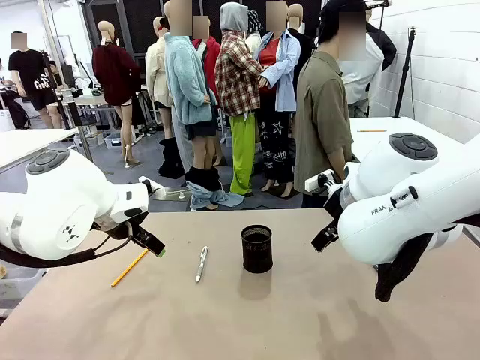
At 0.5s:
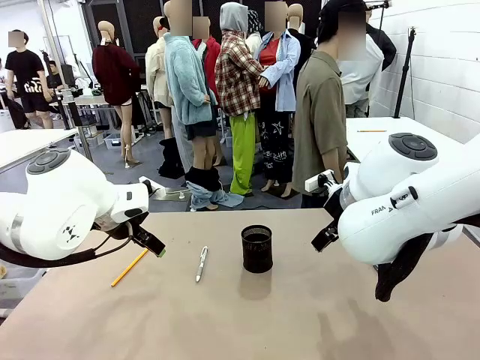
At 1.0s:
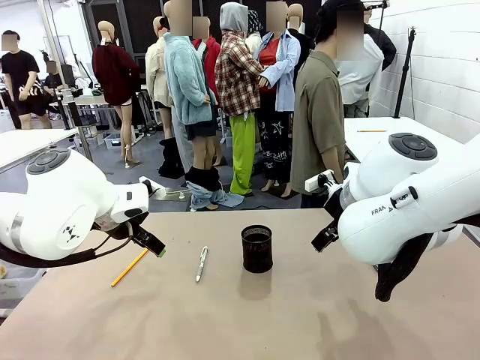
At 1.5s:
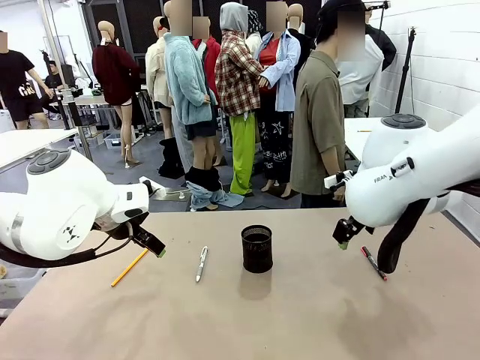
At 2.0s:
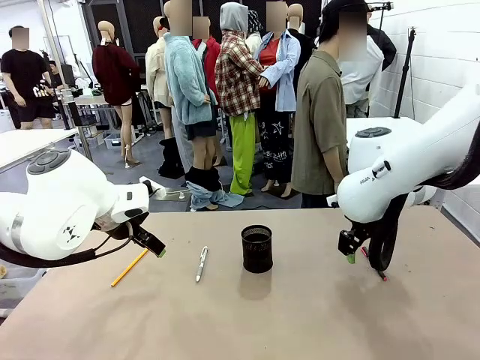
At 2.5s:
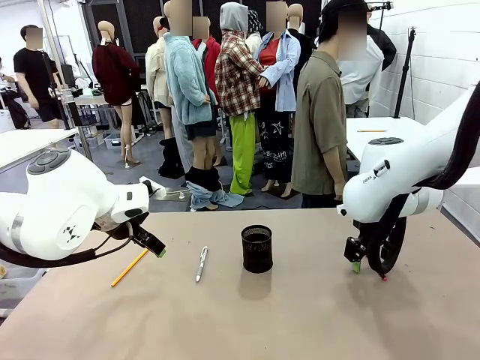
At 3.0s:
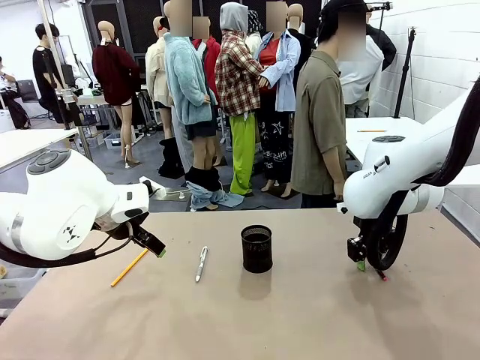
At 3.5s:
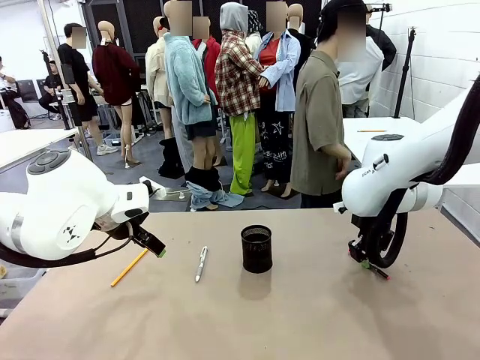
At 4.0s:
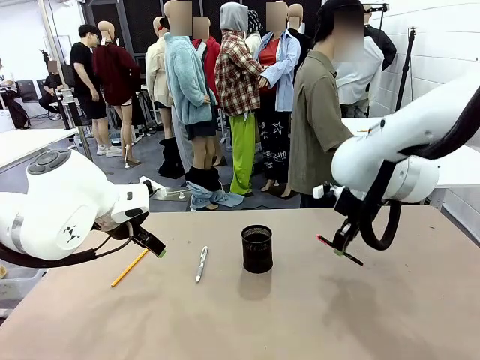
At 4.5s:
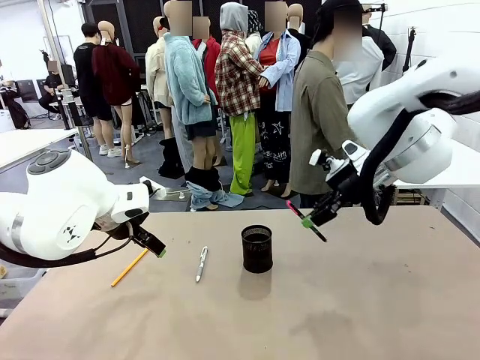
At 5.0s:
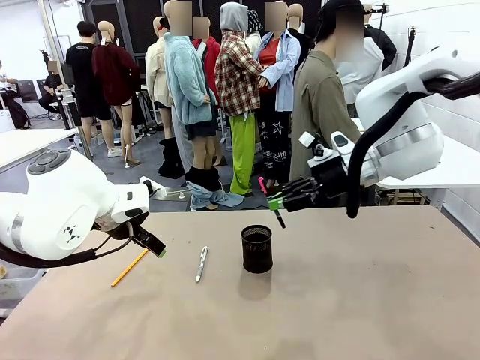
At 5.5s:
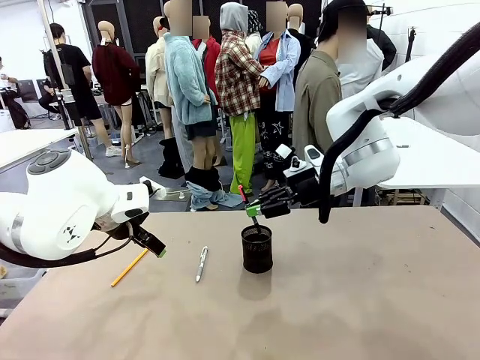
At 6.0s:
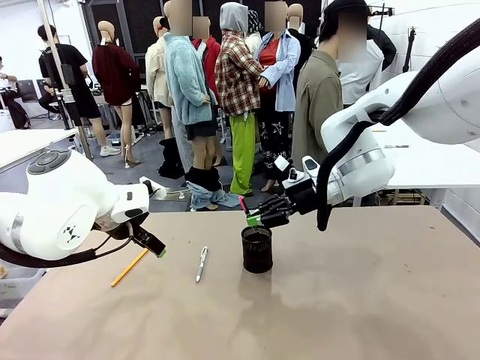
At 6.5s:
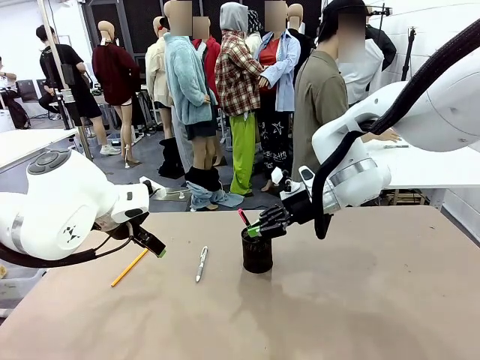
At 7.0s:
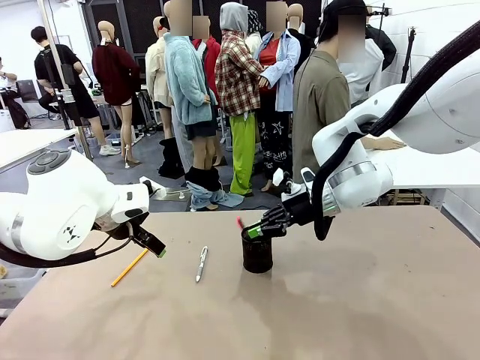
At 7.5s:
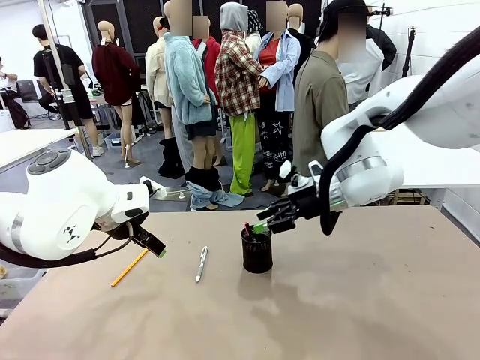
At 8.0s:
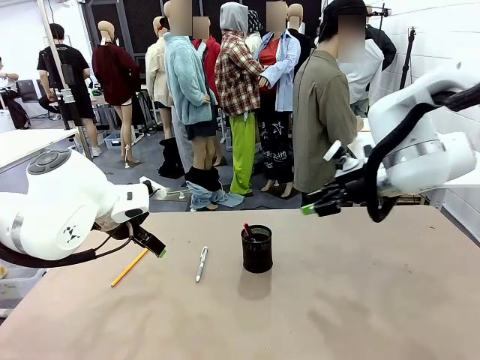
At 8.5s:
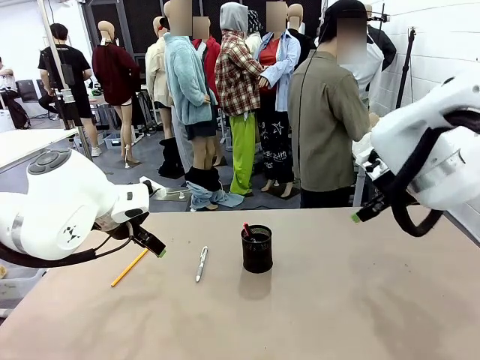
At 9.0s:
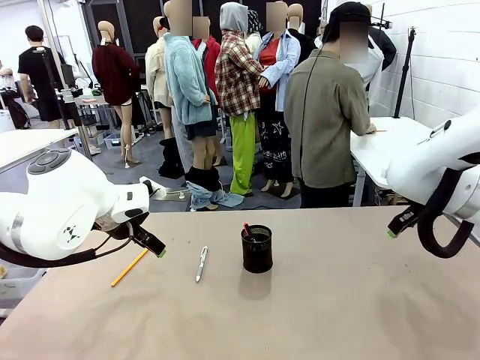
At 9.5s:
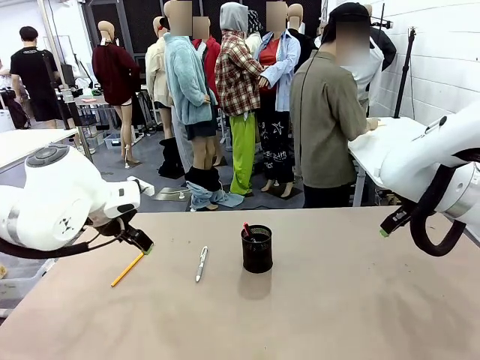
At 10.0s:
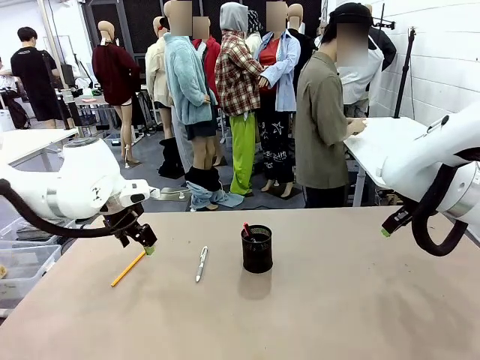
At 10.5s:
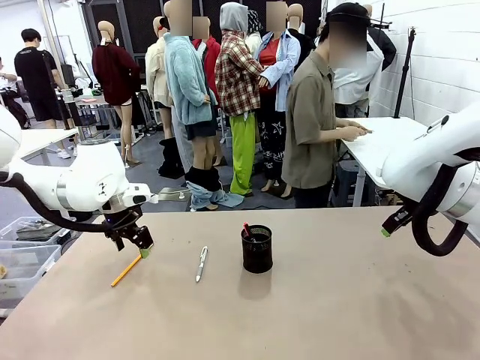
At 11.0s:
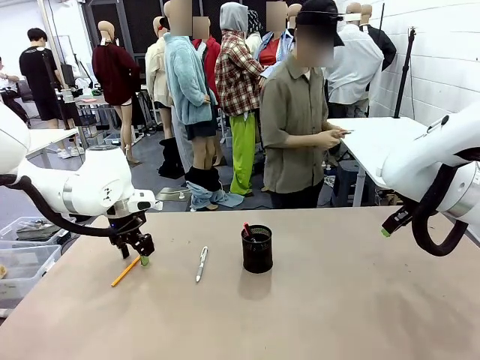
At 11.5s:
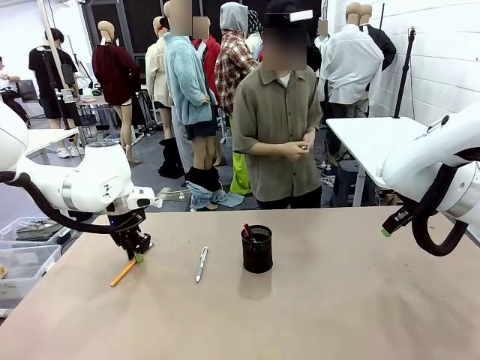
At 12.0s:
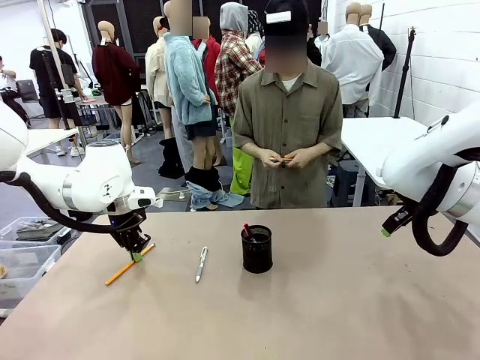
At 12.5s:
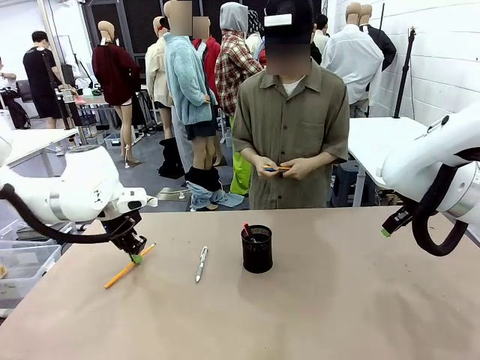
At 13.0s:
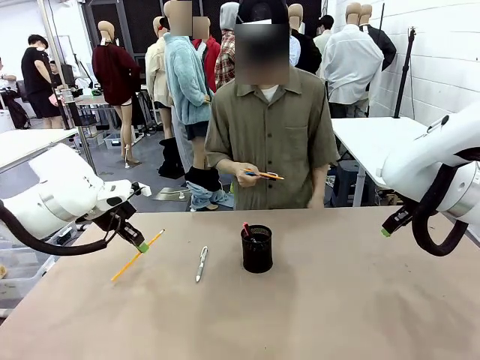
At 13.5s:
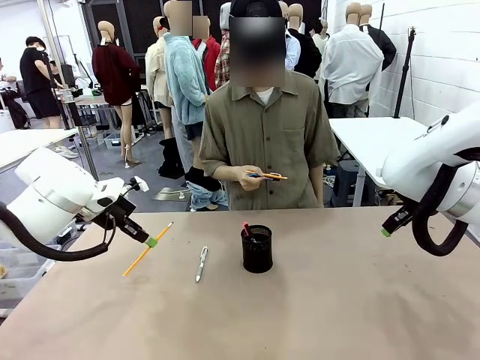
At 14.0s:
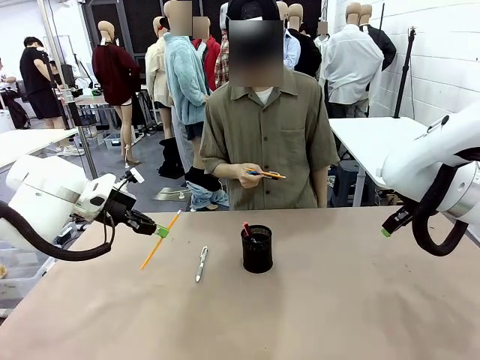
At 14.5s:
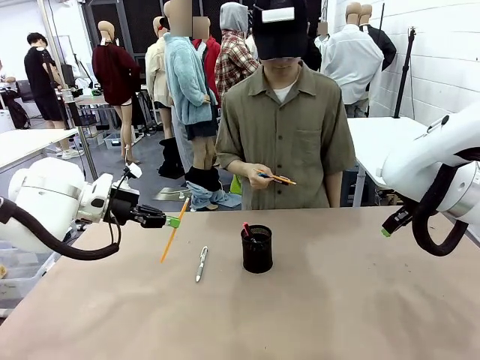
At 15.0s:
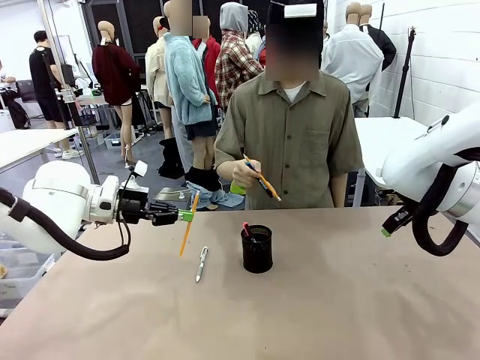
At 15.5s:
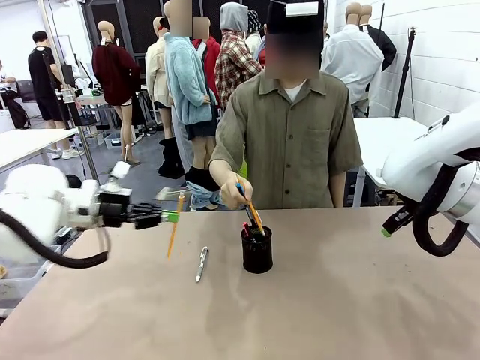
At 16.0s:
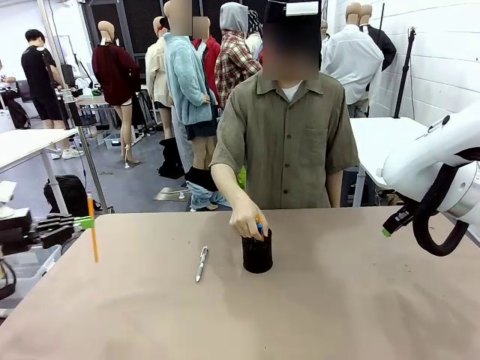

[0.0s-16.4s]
Task: Place the pens into the pen holder.
Robot: Pick up a writing instrument from the table and place it into the Pen holder.
Person: Pick up all writing instruments from the Human table.

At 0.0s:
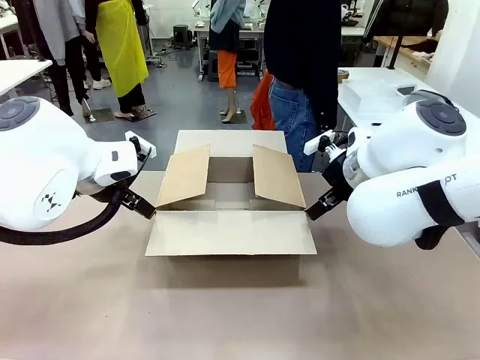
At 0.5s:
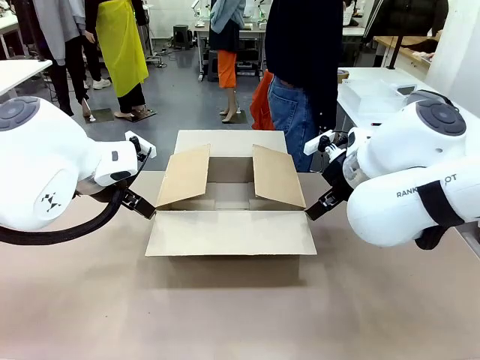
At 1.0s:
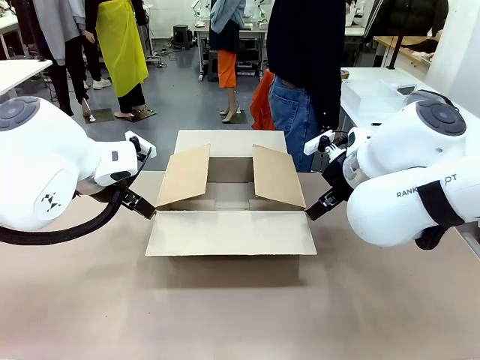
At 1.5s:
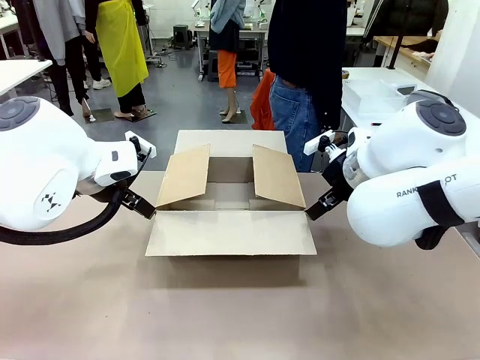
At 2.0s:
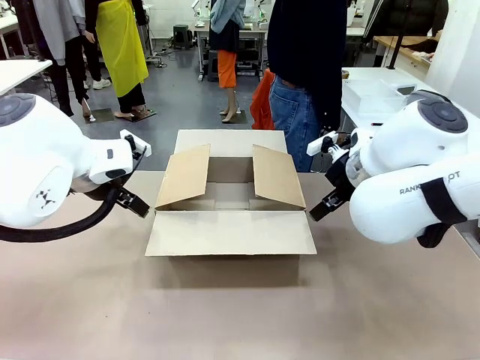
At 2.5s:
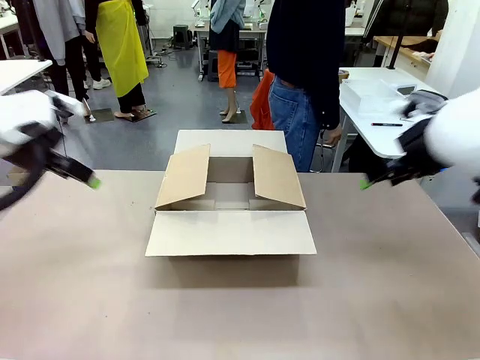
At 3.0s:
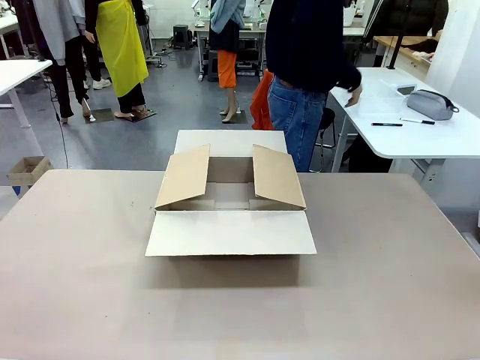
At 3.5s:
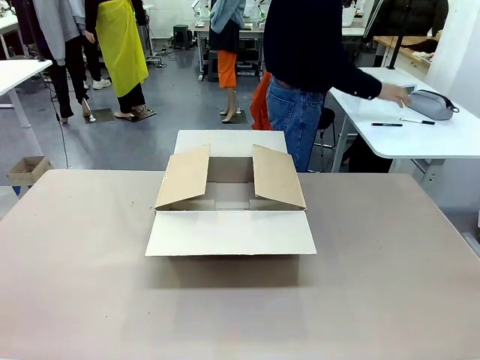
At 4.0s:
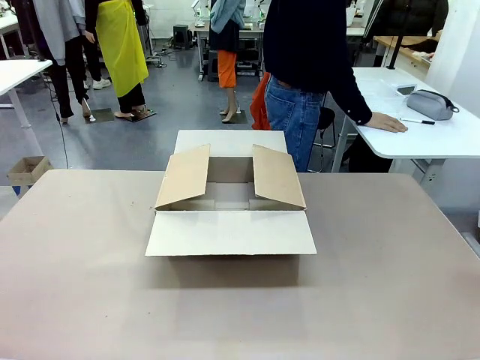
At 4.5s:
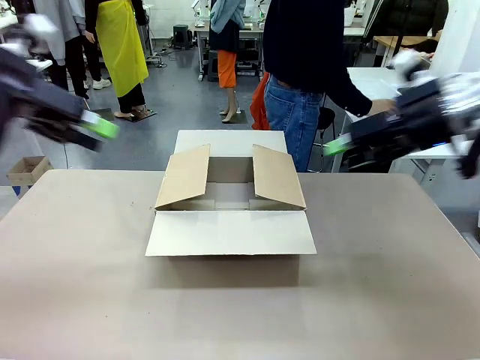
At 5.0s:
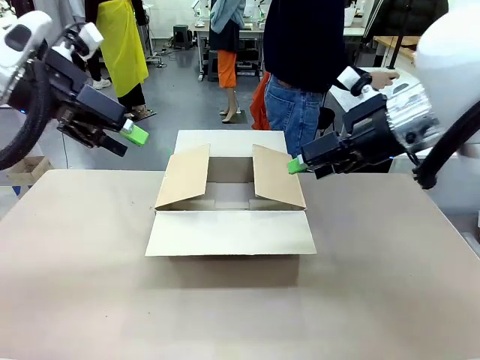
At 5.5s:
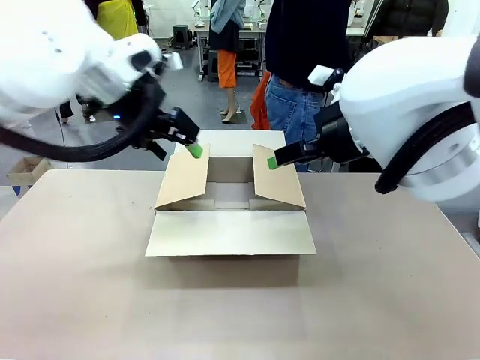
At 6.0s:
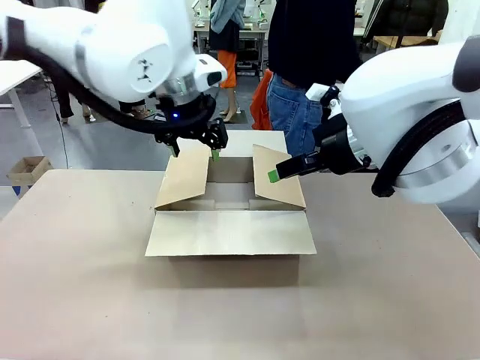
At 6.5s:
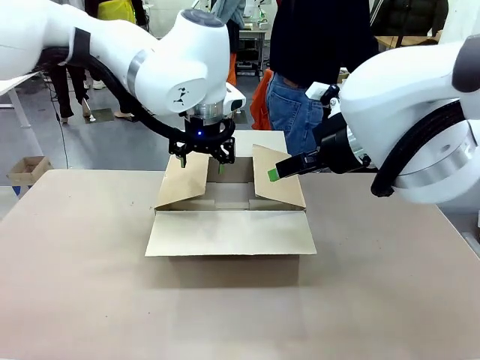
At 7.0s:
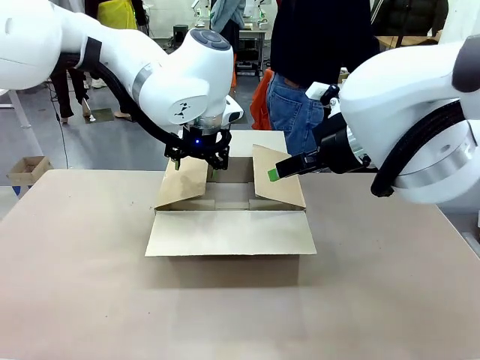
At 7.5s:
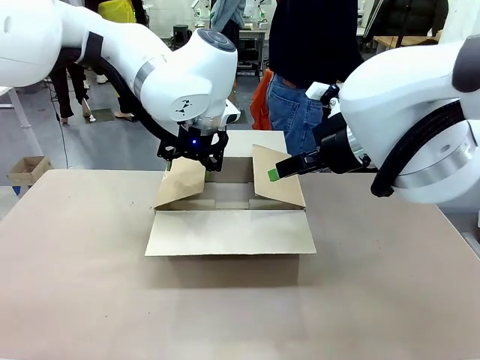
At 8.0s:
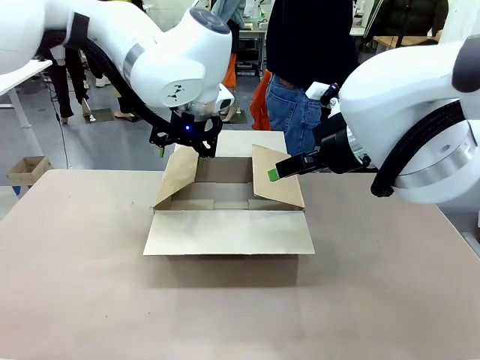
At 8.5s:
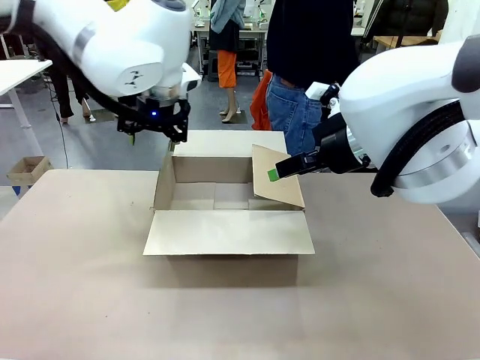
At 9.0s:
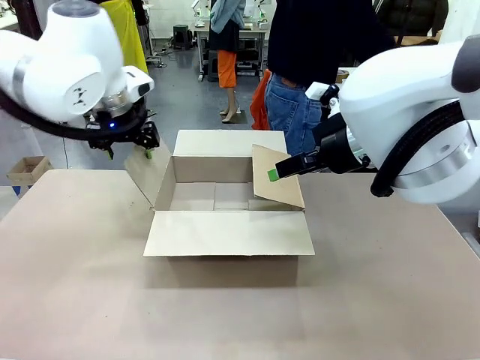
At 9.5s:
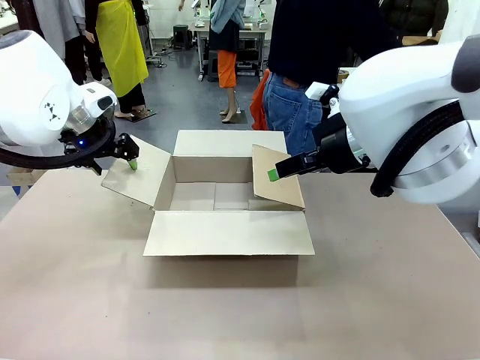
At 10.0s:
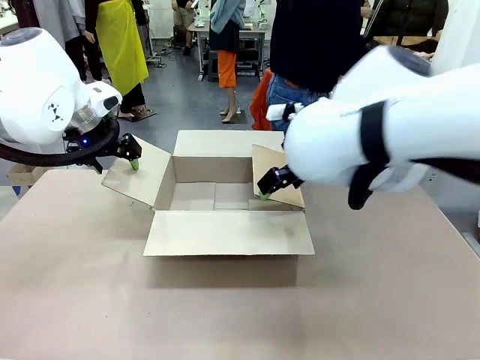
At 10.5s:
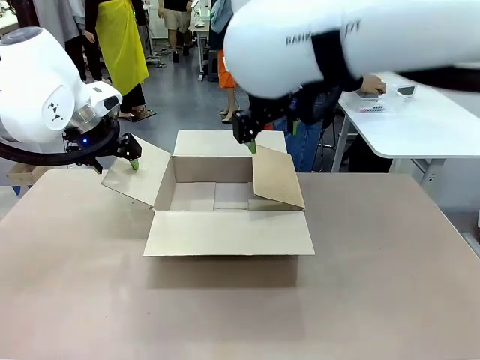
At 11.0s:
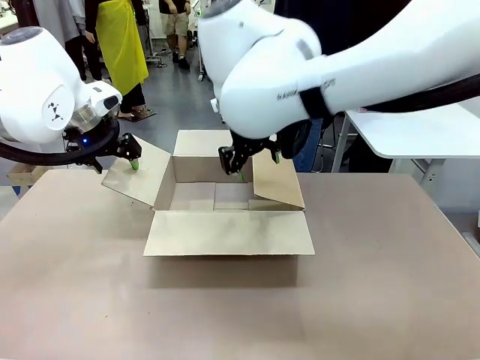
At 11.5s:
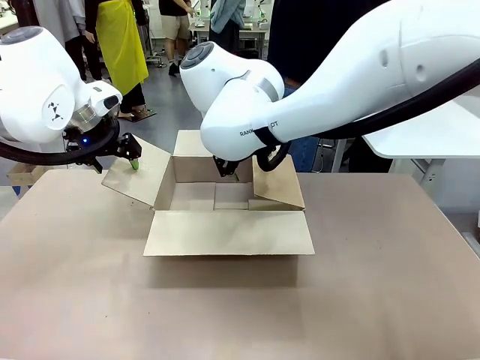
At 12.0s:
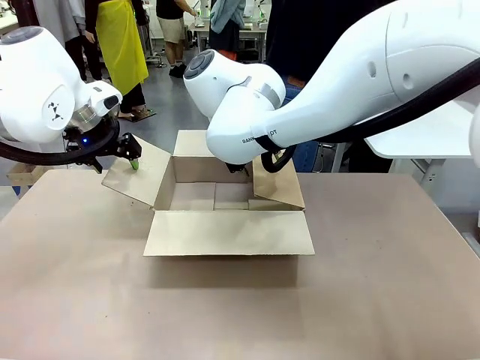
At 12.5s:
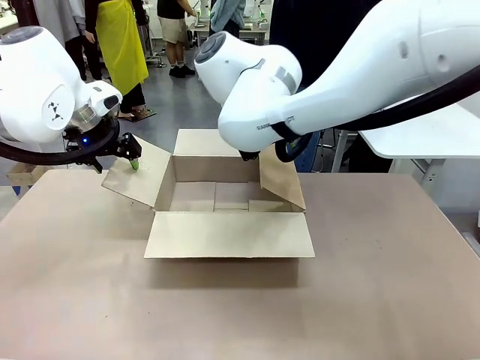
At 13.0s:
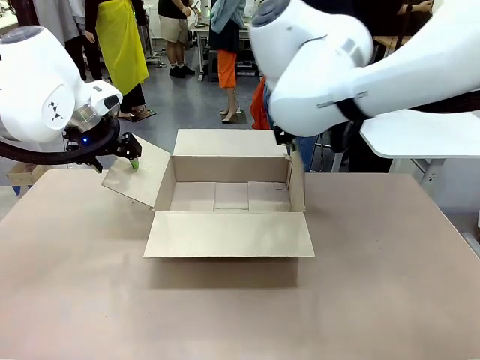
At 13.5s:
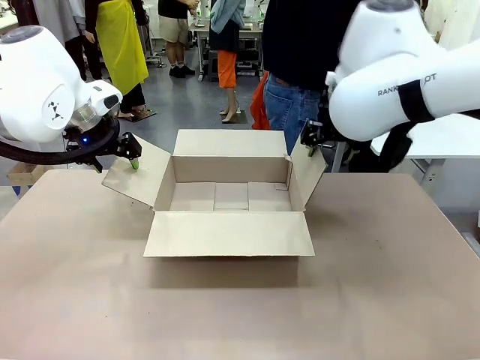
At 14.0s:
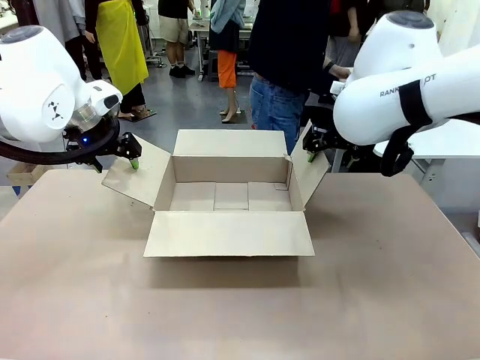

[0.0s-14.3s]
Task: Pack the gift set into the box.
Robot: Place both hands on the side flaps of the Package Box and spread them outward.
Person: The human places all items except the paper tape into the organizing basket.
